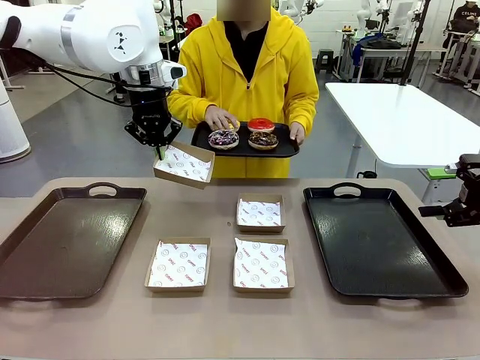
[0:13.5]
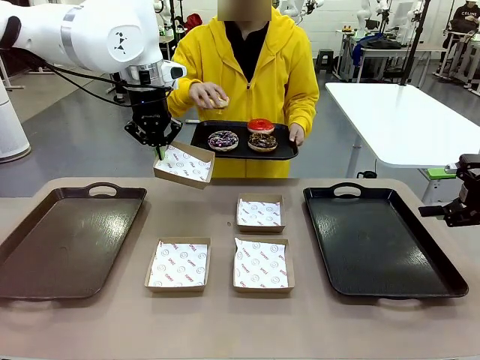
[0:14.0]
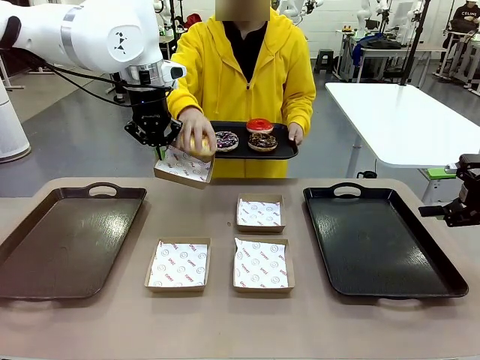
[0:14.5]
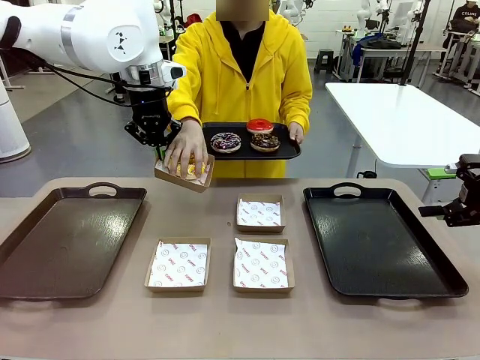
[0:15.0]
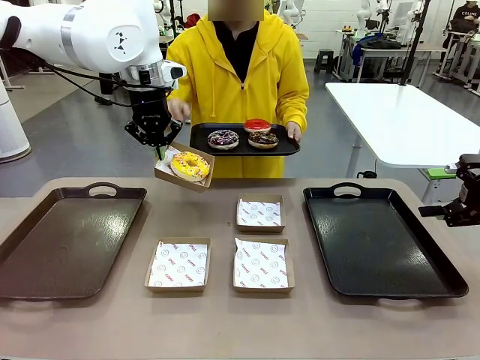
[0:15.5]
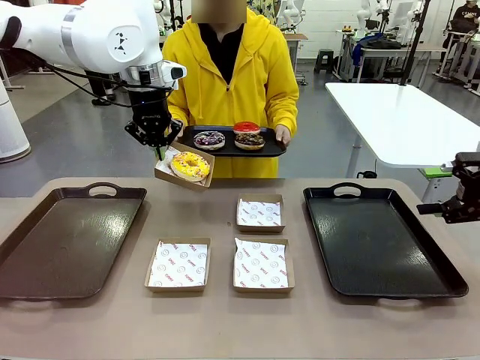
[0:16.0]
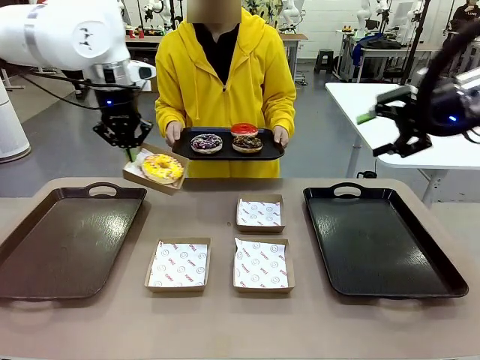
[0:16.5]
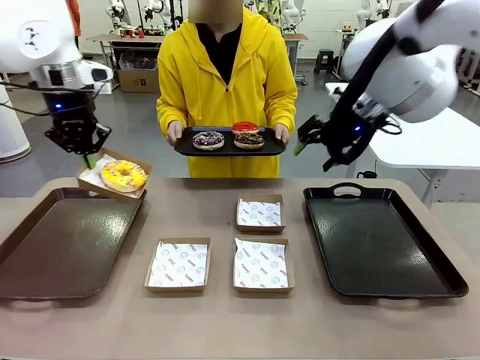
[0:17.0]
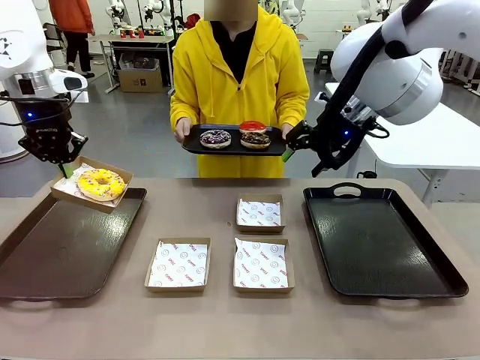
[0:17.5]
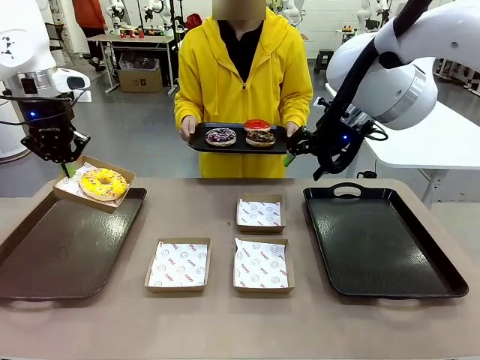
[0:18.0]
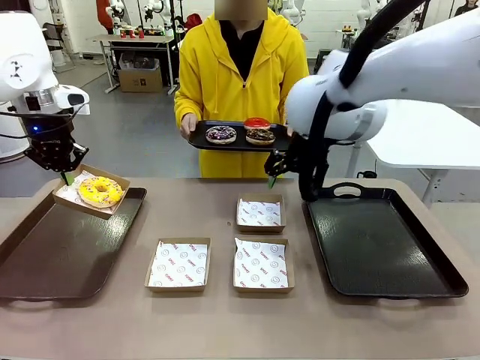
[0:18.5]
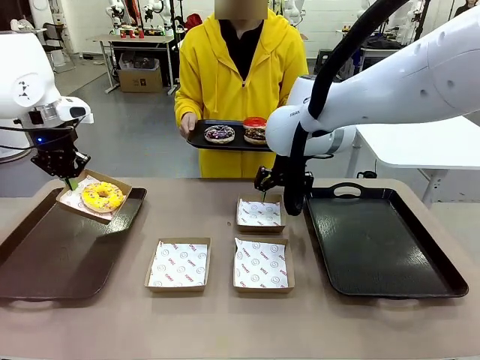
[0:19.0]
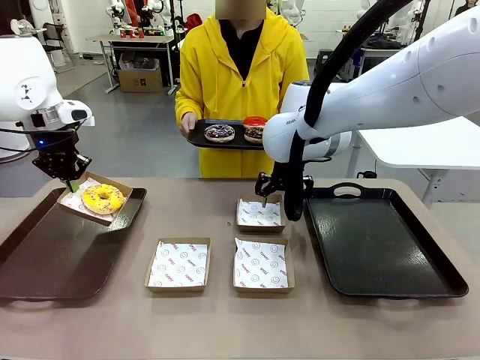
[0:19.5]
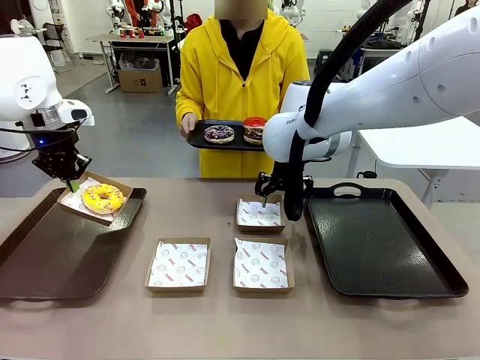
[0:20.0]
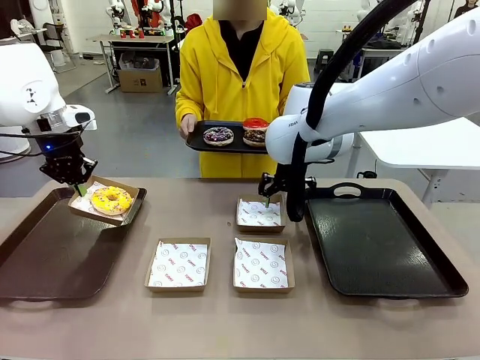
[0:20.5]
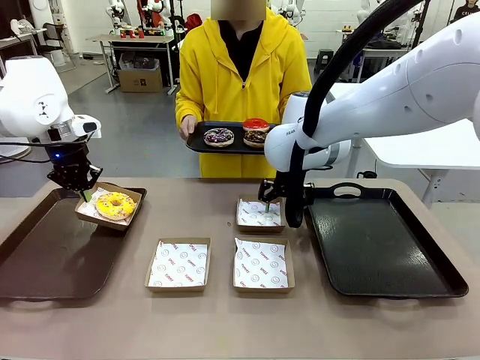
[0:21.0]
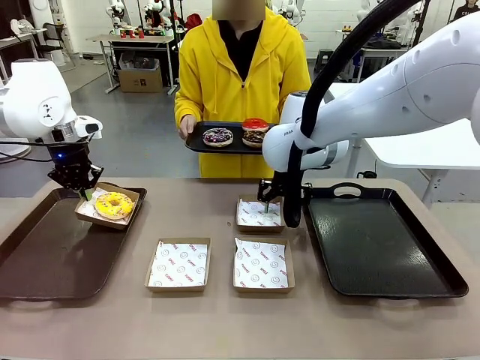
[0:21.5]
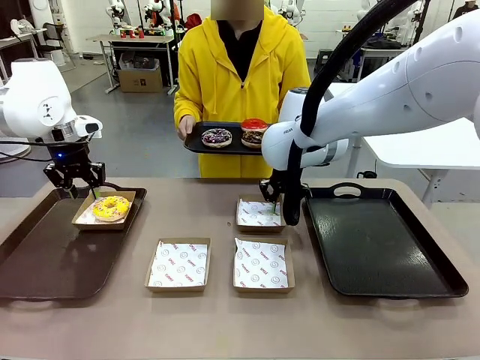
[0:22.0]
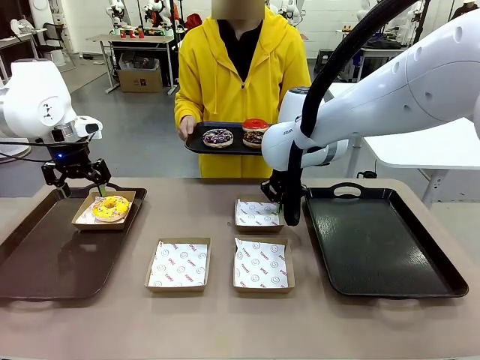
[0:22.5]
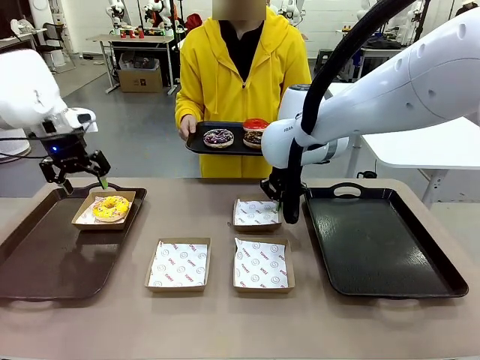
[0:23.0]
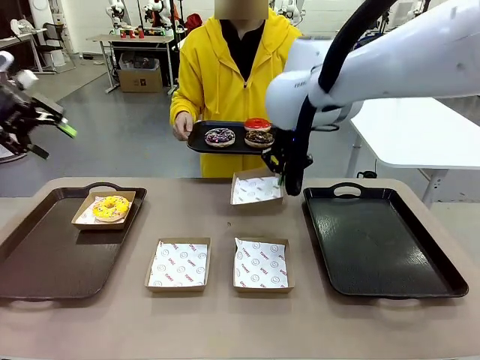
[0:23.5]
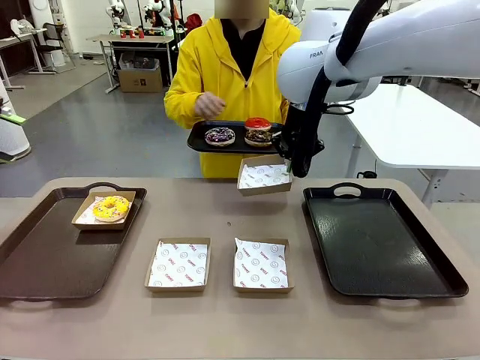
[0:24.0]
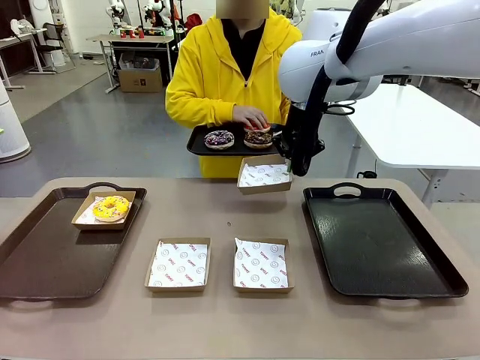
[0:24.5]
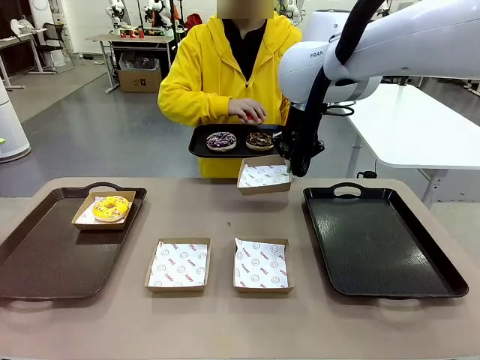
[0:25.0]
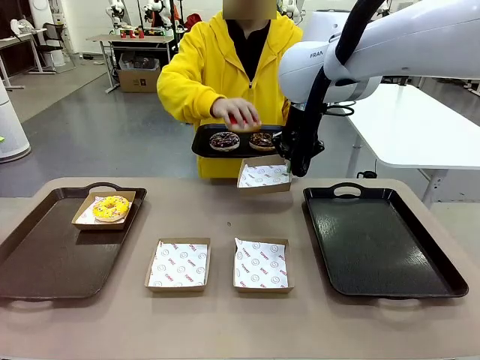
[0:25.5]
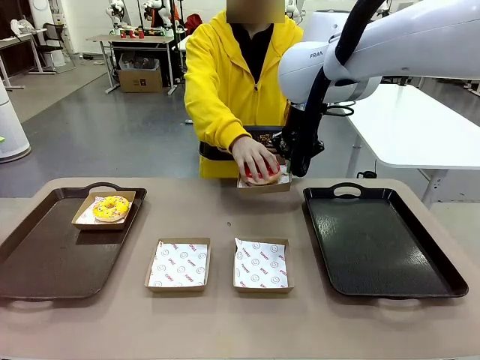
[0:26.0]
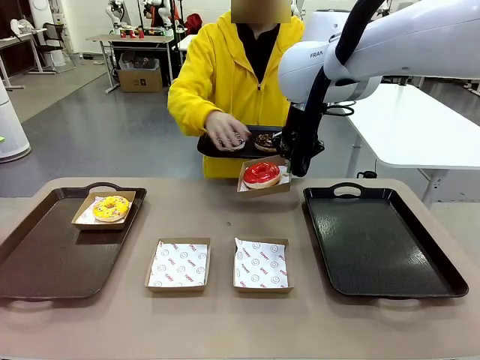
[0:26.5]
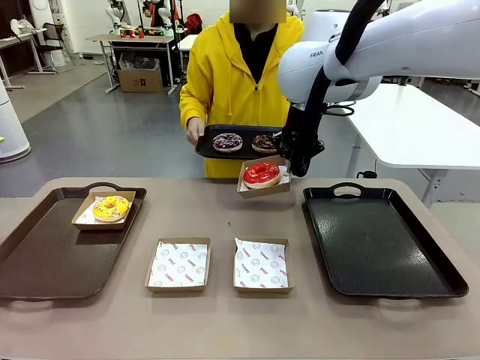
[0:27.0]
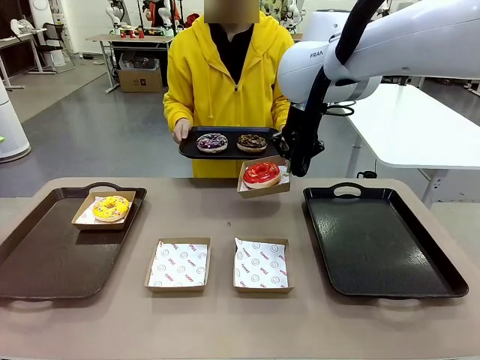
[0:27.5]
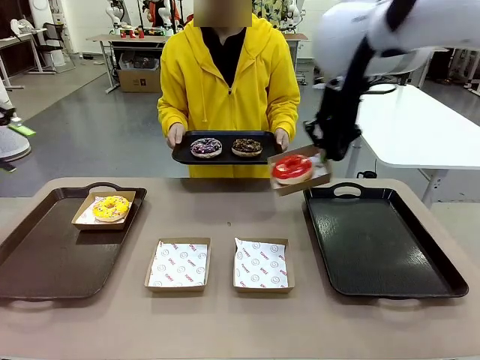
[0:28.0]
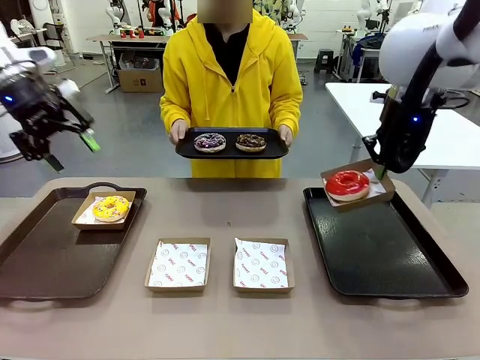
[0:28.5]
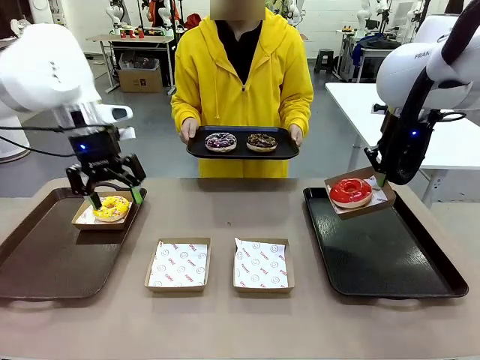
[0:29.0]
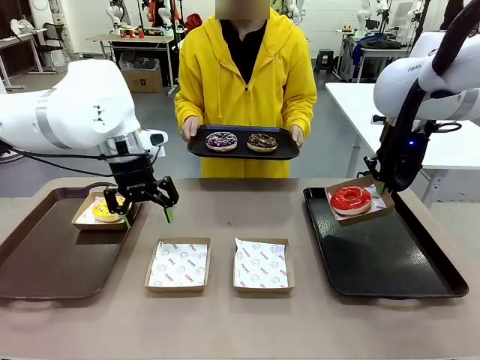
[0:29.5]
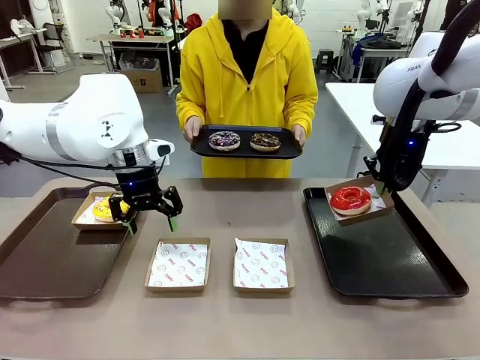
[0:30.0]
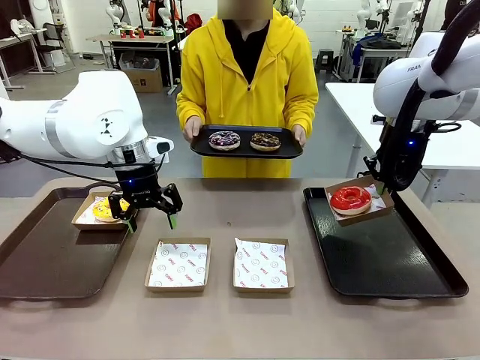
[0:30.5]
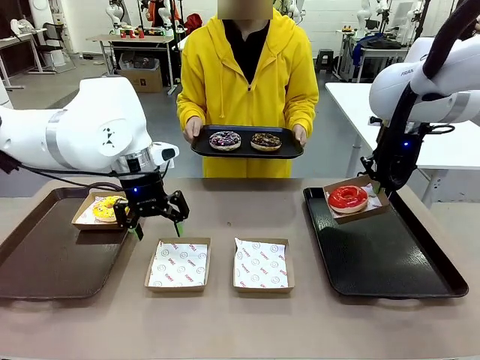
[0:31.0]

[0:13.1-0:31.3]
Task: Individually package the donuts and arrange them on the tray.
Robot: Place the picked Paper togo box on the Handle tray while simultaneously picking up another Paper togo box from the table with the other hand.
